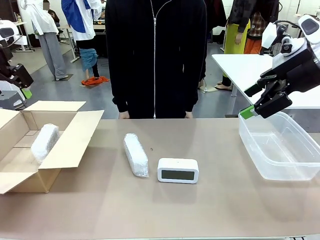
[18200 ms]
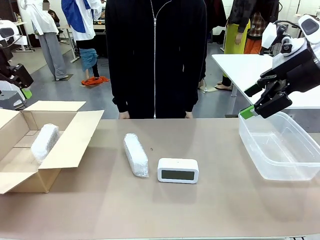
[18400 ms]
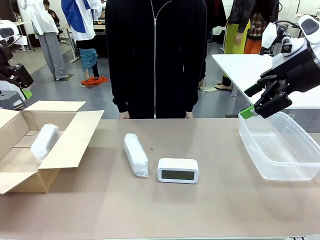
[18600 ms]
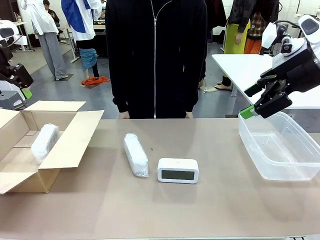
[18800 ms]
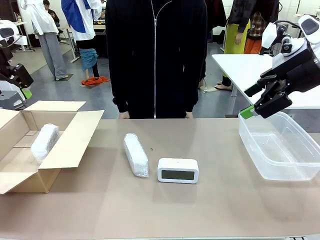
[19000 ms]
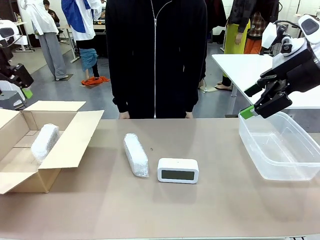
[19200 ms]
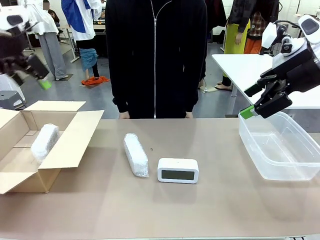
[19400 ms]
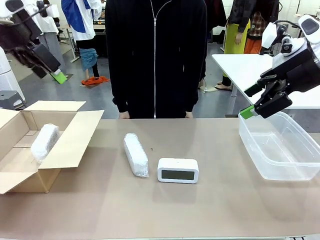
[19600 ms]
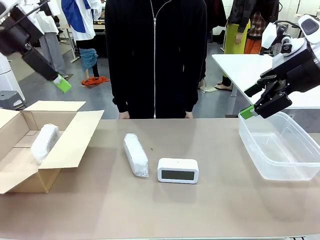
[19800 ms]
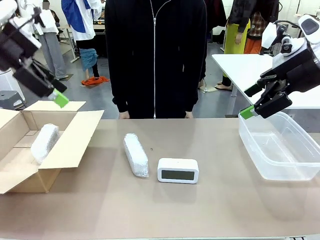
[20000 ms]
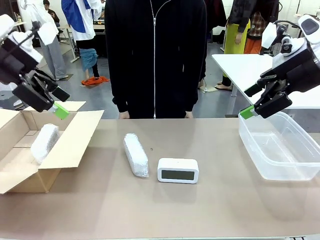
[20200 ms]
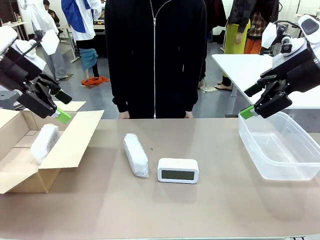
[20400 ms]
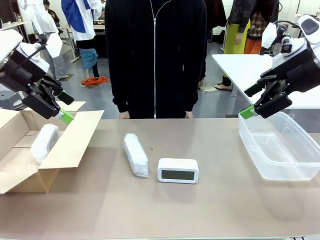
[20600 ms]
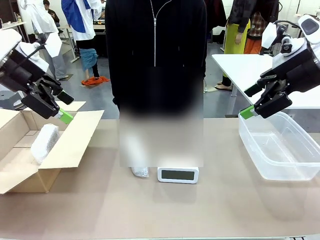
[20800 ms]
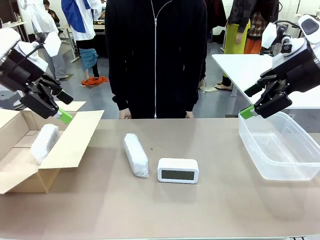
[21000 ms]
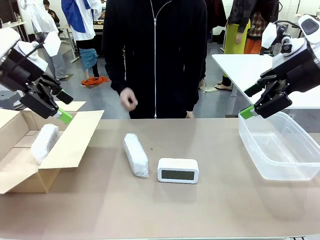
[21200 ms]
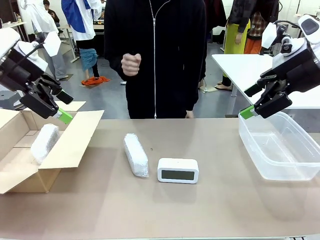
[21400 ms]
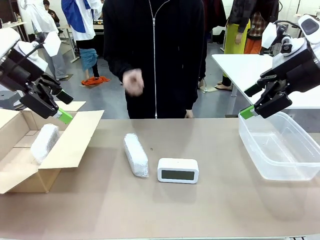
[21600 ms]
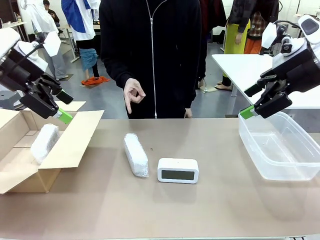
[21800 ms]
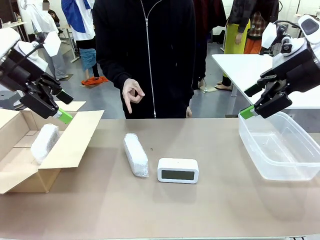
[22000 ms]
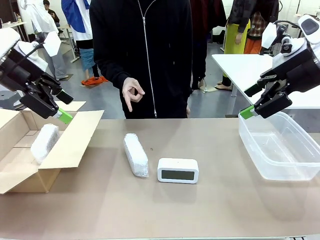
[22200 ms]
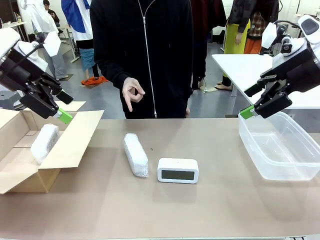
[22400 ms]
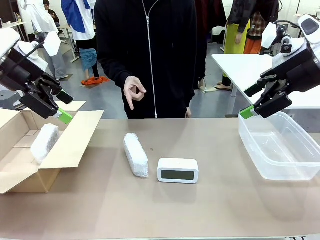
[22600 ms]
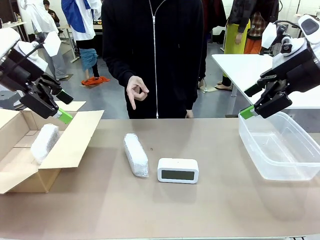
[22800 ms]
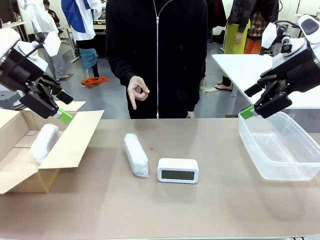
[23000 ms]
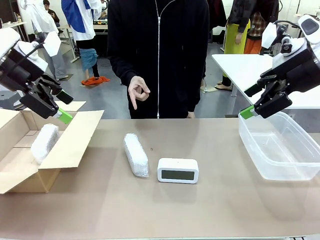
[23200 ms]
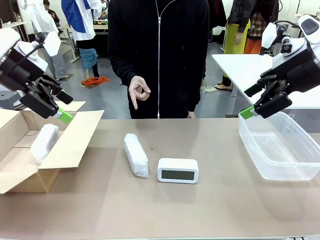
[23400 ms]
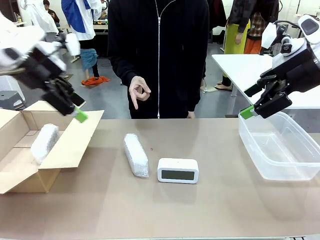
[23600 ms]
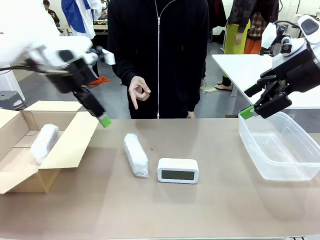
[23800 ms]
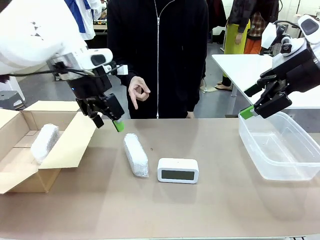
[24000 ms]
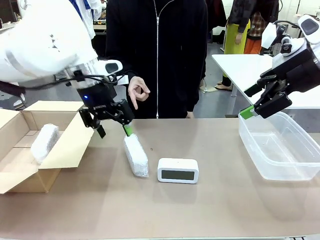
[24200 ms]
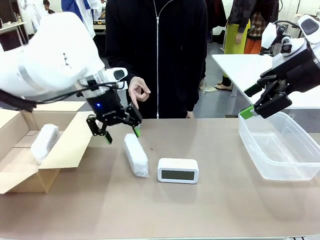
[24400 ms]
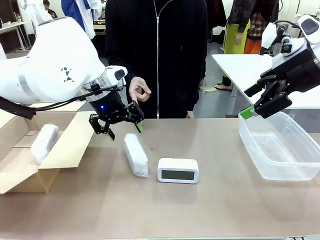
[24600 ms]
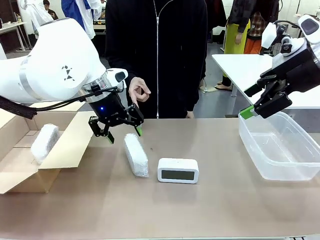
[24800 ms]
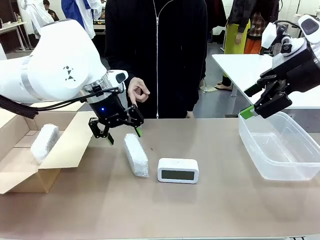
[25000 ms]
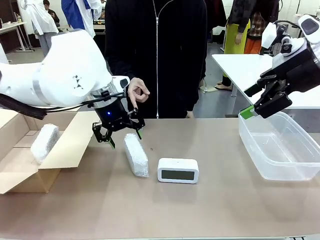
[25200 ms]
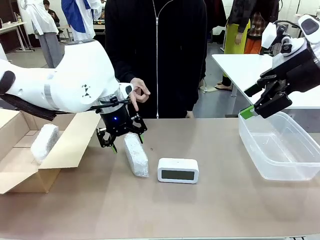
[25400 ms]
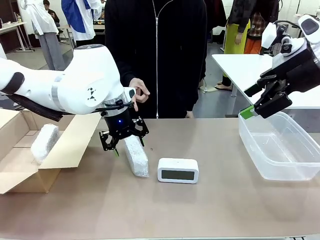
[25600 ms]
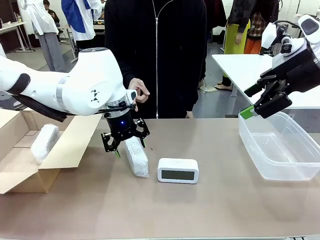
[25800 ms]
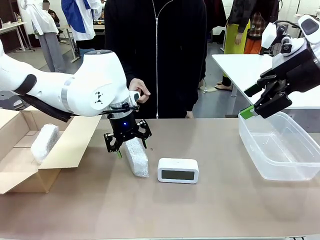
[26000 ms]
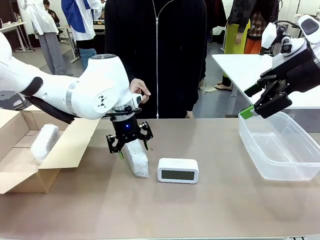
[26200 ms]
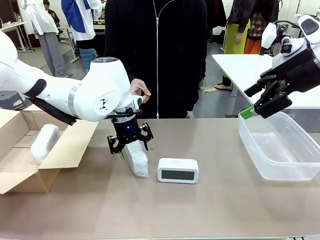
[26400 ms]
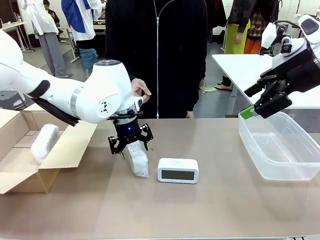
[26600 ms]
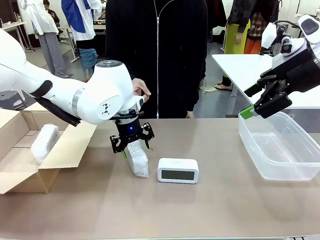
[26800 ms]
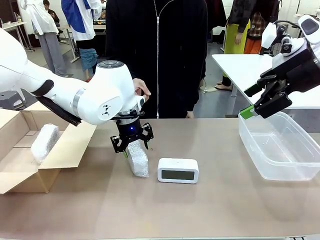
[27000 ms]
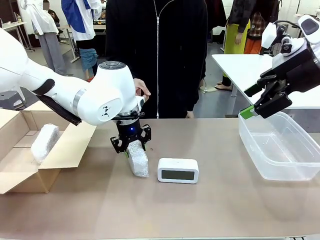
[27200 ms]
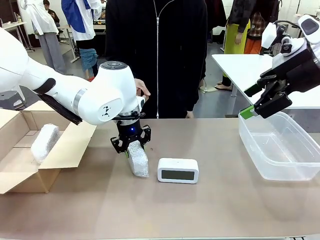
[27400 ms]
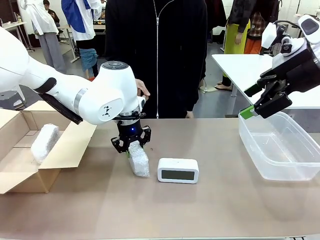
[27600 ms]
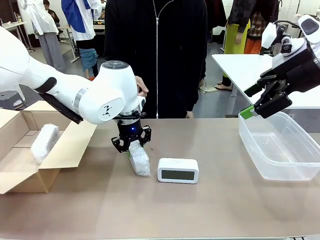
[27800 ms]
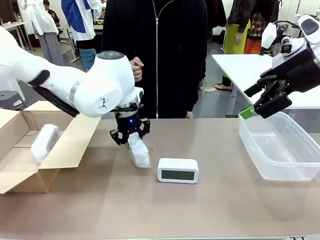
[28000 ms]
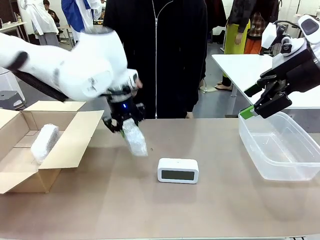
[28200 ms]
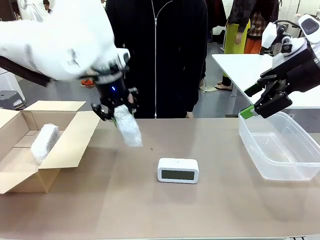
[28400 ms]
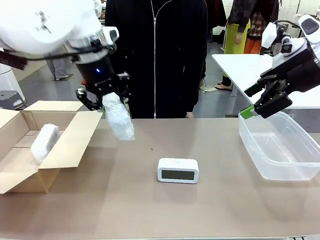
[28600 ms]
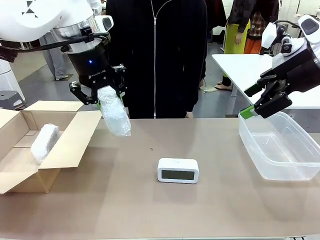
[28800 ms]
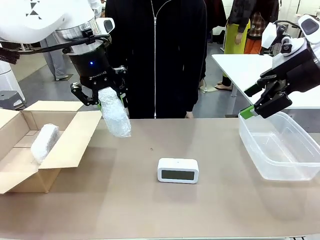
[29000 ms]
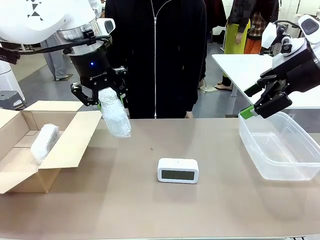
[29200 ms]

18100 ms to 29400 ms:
Task: Separate and place wrapped and unwrapped clocks.
Robot: Pick up the Digital clock indicated by the person.

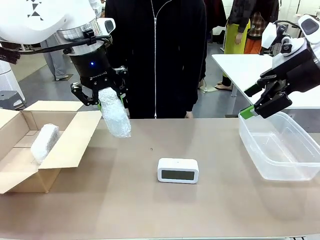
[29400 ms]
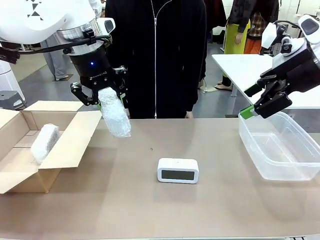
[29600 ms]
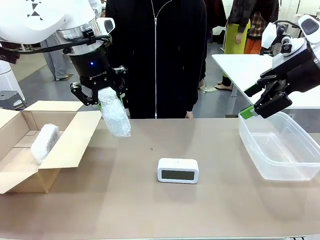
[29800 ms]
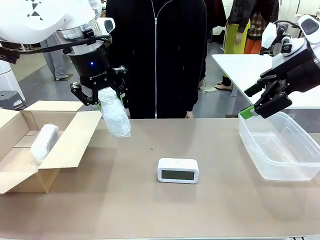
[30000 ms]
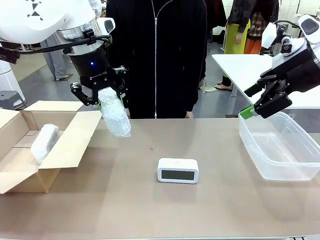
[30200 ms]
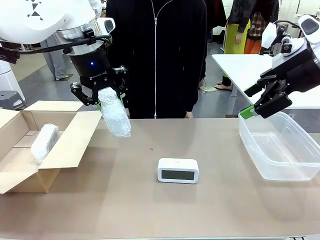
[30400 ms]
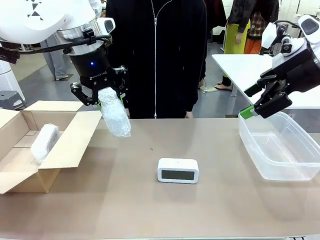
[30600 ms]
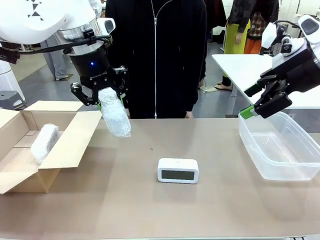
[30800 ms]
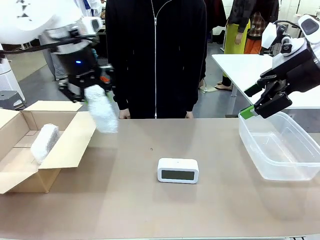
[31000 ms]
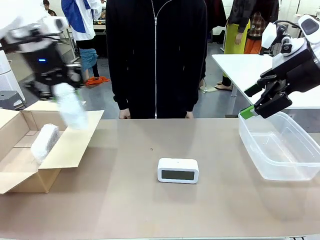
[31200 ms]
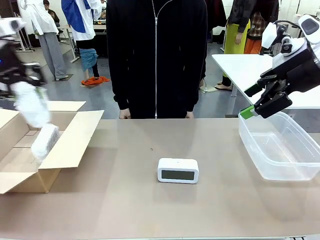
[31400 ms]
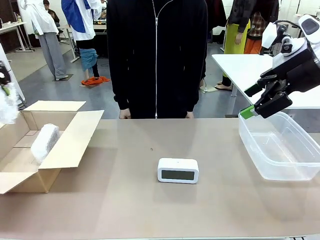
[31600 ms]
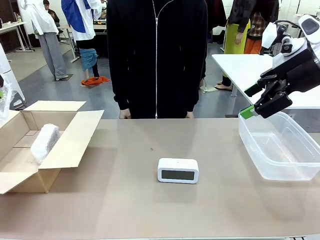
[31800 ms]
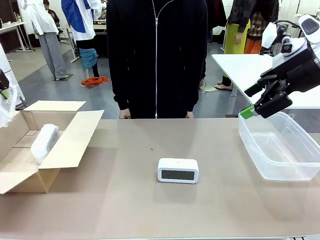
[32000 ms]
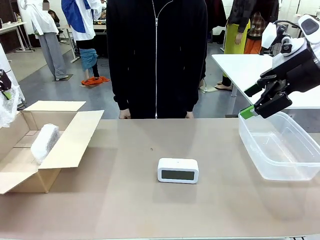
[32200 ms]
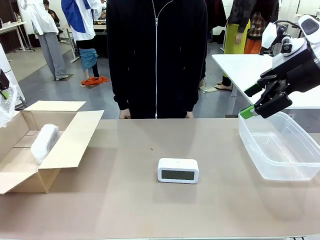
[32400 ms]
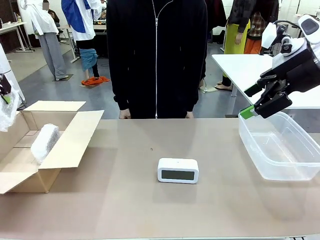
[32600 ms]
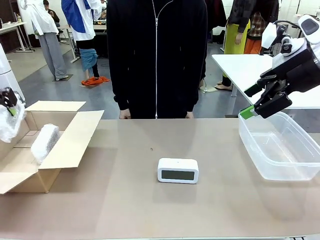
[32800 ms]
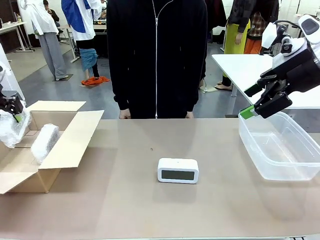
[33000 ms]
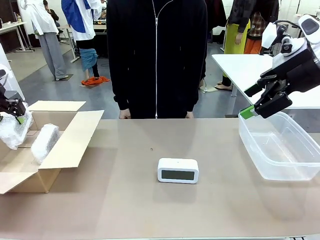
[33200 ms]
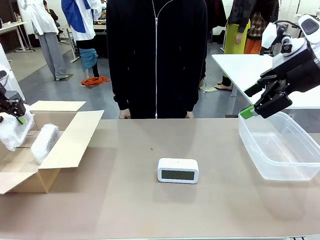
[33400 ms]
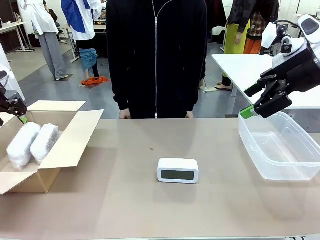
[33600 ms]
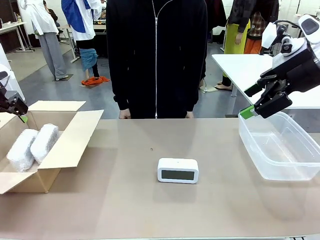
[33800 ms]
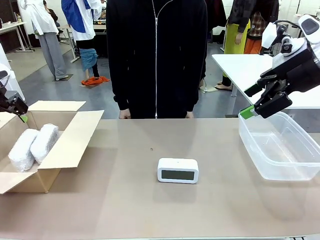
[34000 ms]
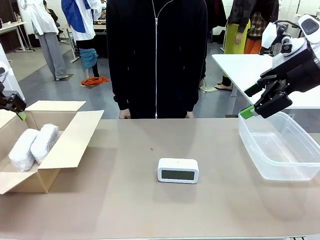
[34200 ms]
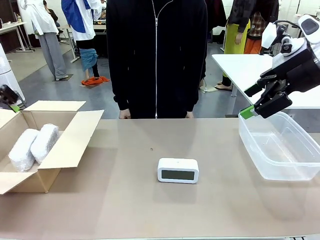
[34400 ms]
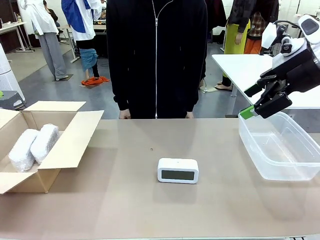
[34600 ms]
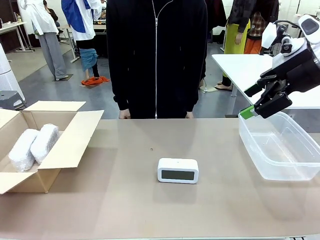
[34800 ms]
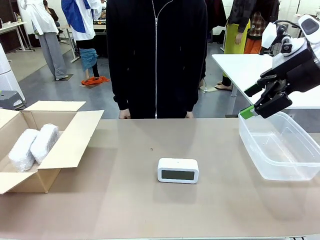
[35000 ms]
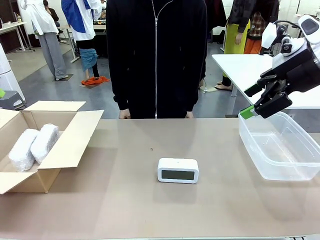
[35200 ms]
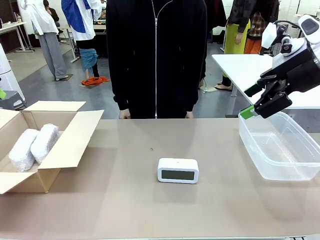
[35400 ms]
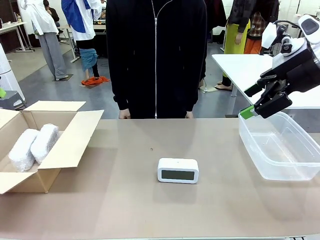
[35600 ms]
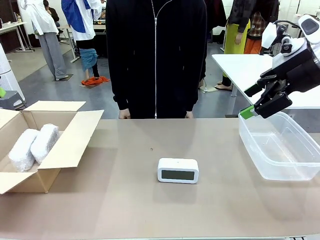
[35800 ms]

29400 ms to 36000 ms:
Robot: If the picked Digital clock is wrapped, place it in the Package Box ; if not, place it in the Organizing box.

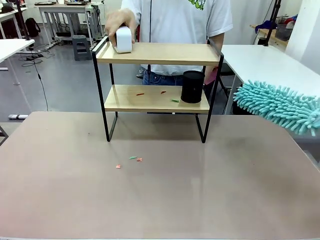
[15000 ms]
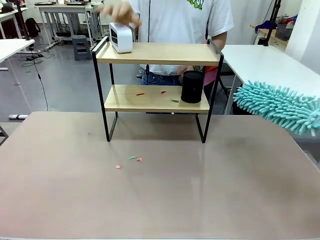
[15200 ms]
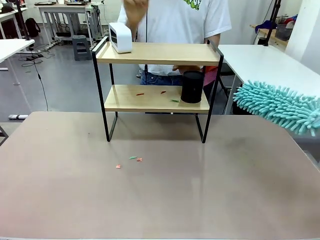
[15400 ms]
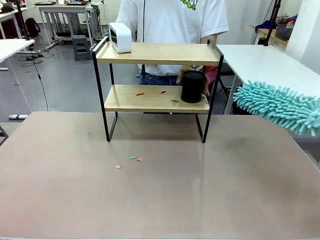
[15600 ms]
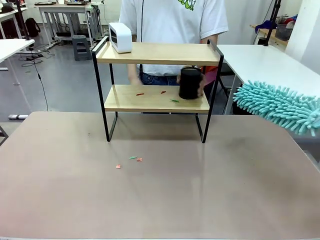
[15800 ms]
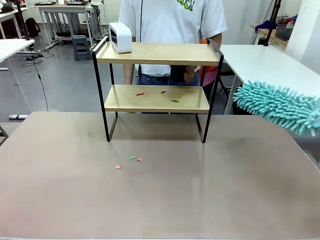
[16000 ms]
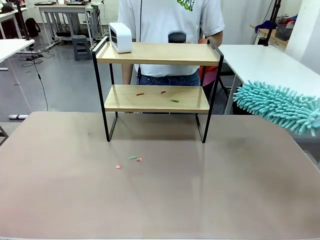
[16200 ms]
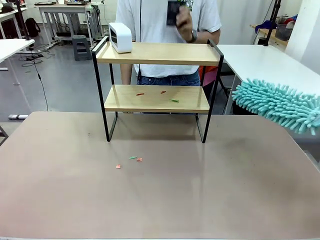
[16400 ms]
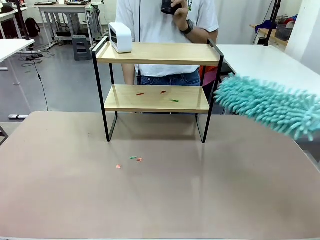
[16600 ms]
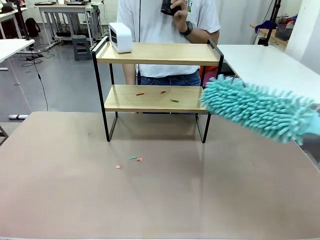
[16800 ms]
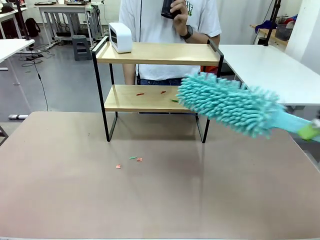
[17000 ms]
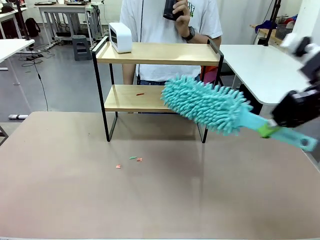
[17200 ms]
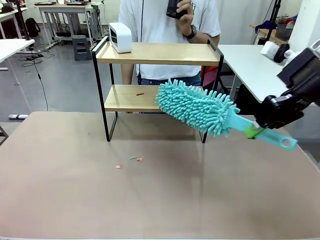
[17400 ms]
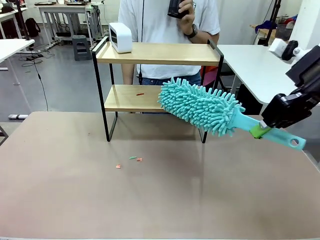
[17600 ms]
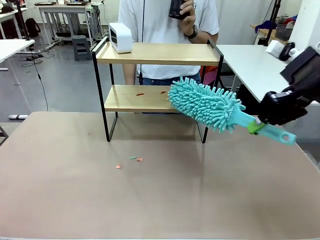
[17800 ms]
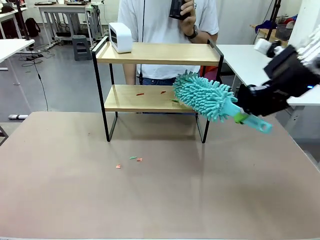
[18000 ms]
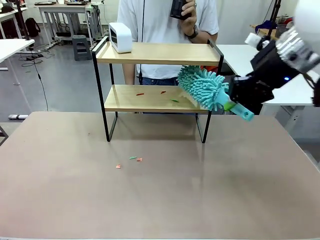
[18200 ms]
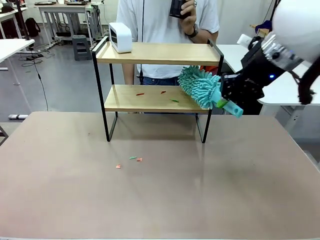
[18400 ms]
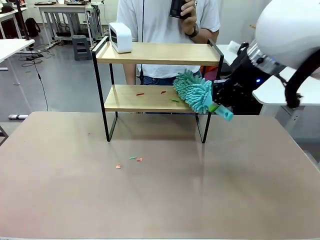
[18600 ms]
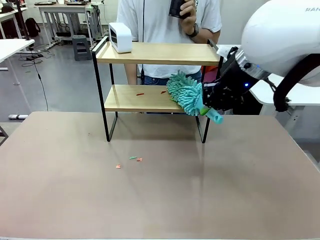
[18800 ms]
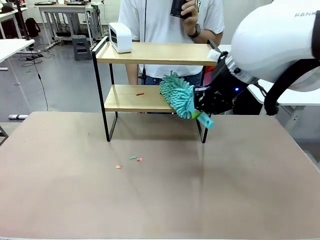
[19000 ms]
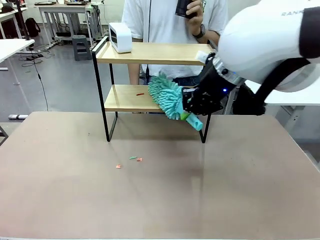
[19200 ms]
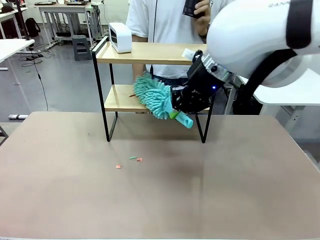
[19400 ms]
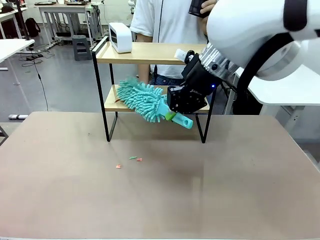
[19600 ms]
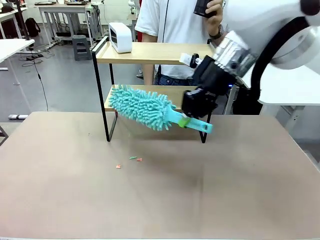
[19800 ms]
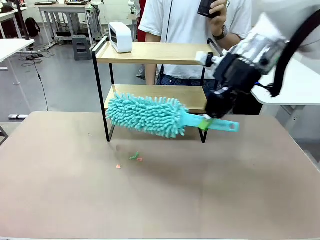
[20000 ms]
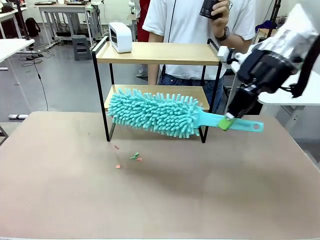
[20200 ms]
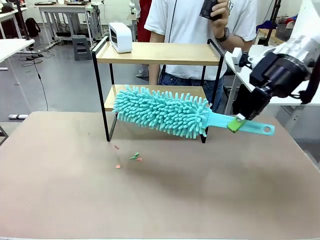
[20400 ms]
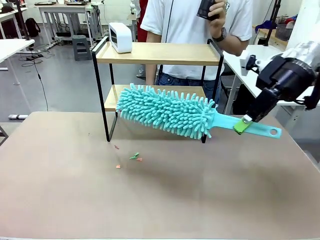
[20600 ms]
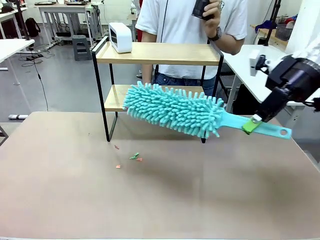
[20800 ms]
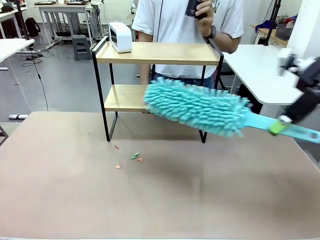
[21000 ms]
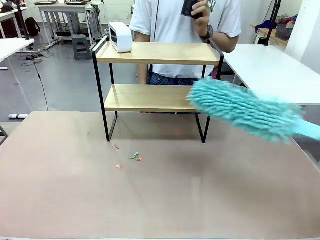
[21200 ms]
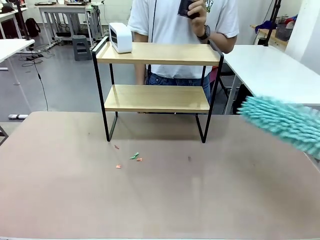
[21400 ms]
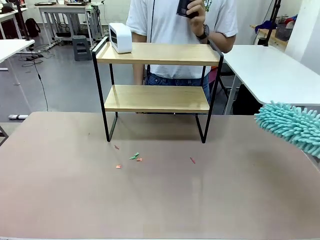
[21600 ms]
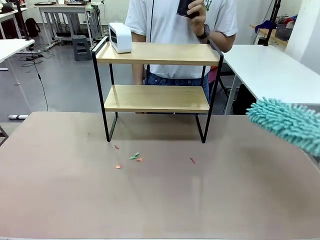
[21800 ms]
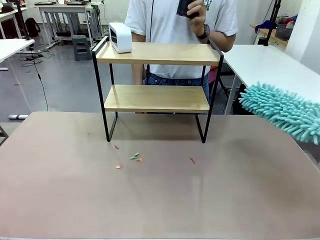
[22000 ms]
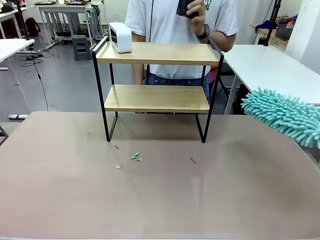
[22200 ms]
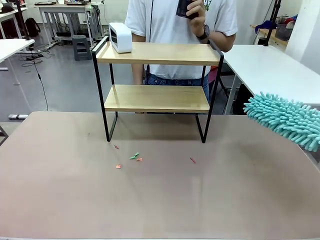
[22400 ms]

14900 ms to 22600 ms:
Task: Clean the shelf.
Robot: Clean the remaining tier of the Shelf with the Duster once objects are removed.
